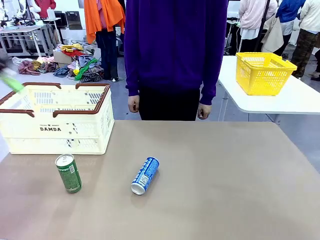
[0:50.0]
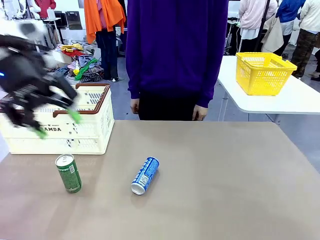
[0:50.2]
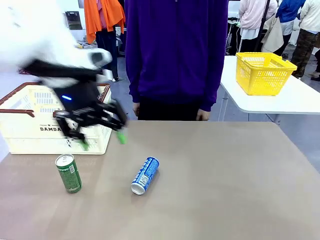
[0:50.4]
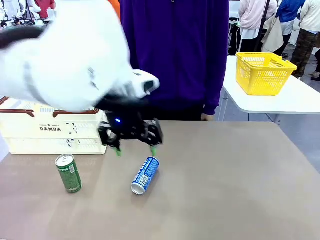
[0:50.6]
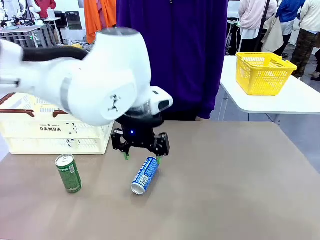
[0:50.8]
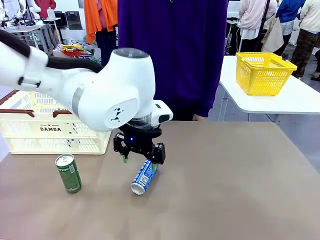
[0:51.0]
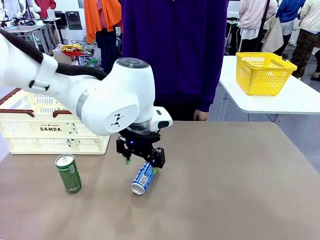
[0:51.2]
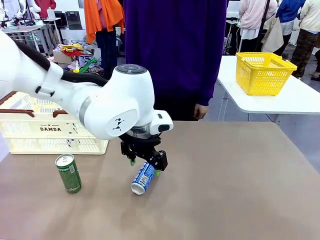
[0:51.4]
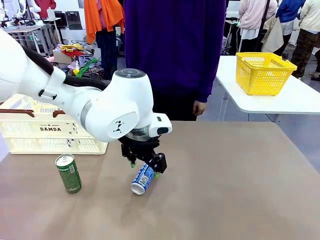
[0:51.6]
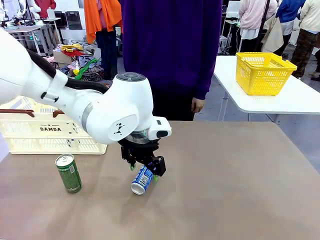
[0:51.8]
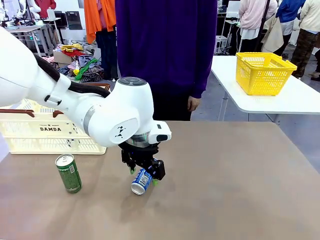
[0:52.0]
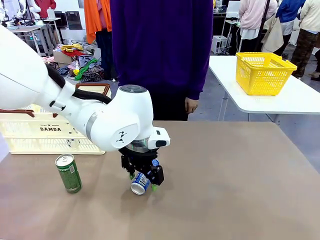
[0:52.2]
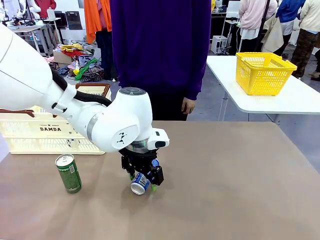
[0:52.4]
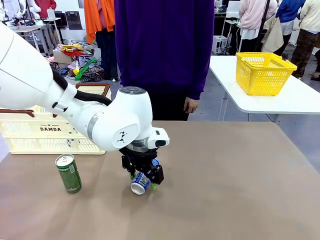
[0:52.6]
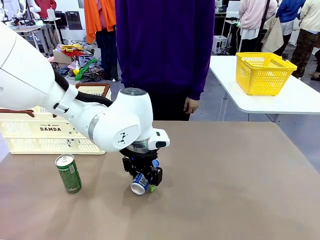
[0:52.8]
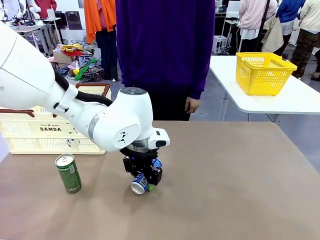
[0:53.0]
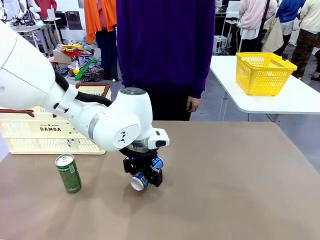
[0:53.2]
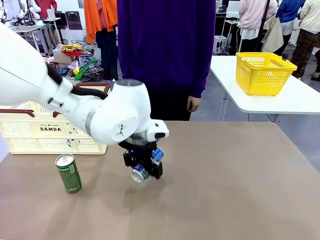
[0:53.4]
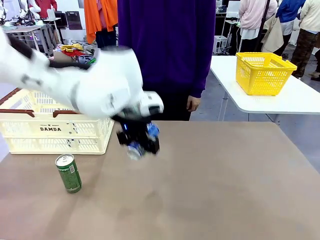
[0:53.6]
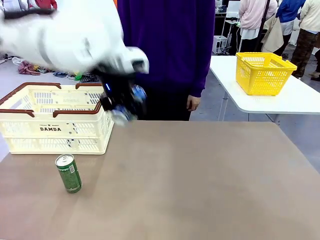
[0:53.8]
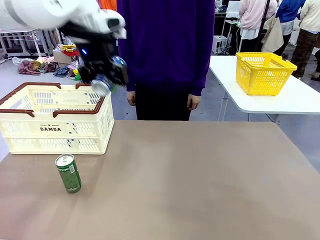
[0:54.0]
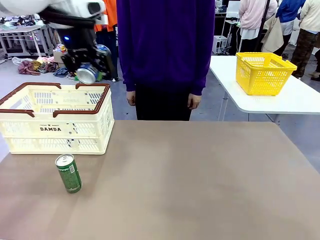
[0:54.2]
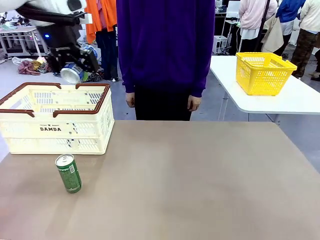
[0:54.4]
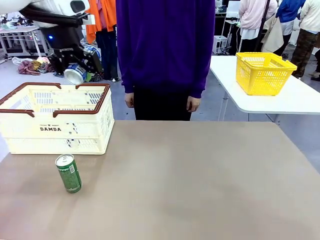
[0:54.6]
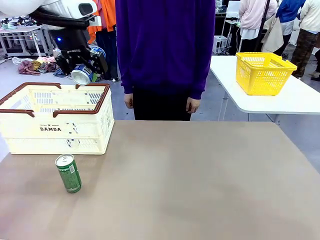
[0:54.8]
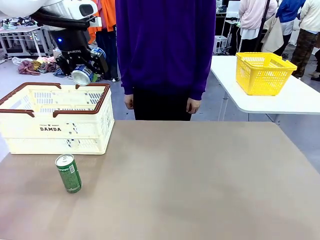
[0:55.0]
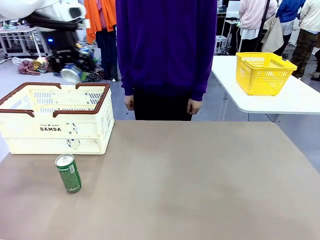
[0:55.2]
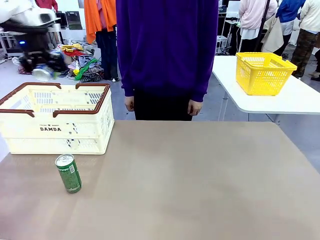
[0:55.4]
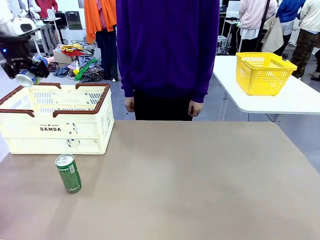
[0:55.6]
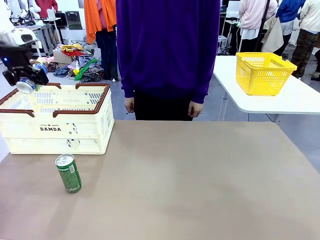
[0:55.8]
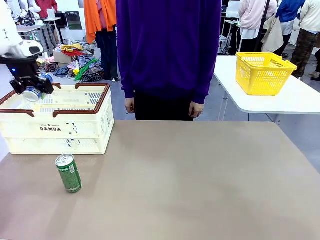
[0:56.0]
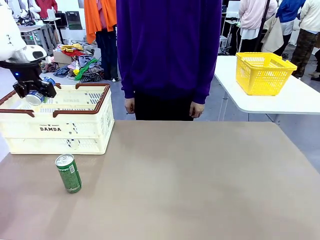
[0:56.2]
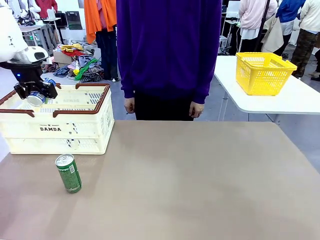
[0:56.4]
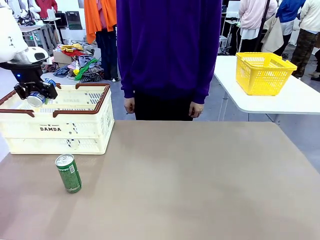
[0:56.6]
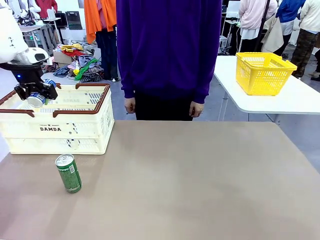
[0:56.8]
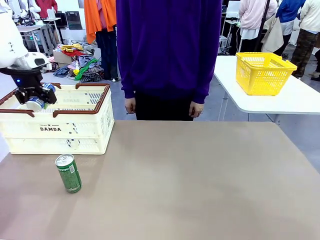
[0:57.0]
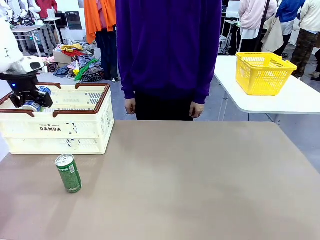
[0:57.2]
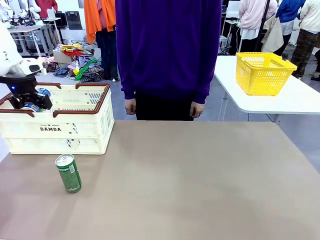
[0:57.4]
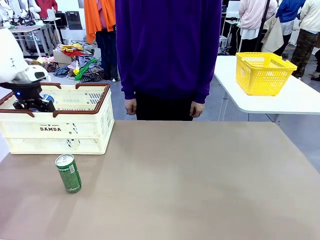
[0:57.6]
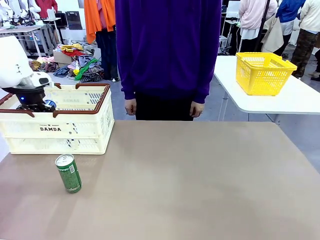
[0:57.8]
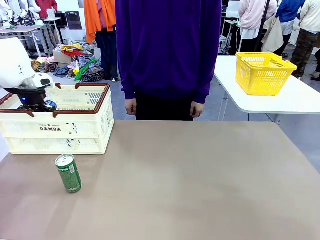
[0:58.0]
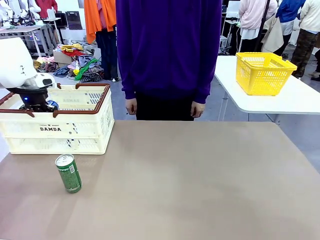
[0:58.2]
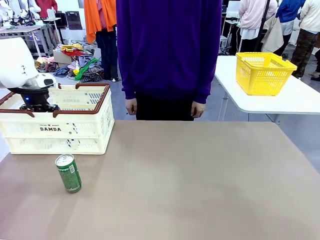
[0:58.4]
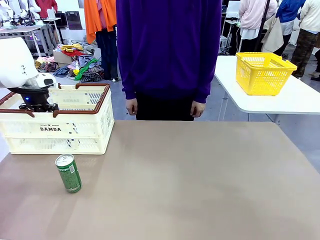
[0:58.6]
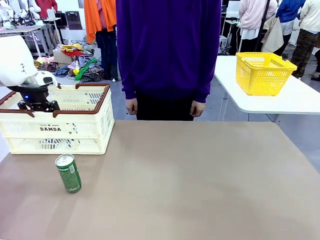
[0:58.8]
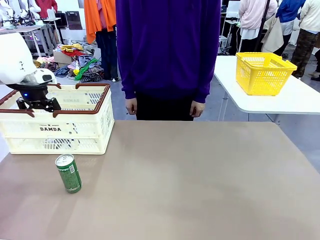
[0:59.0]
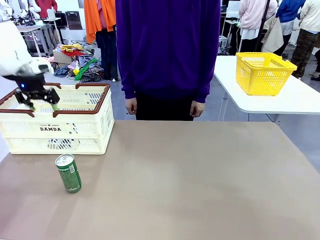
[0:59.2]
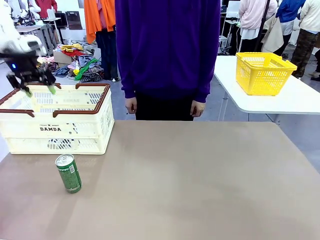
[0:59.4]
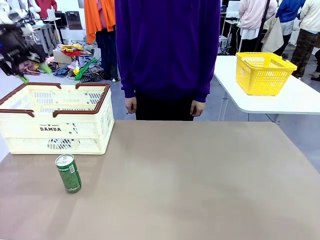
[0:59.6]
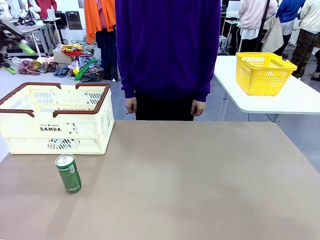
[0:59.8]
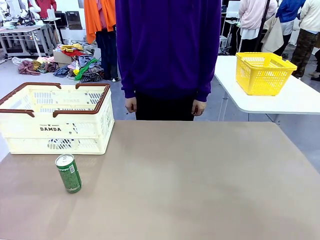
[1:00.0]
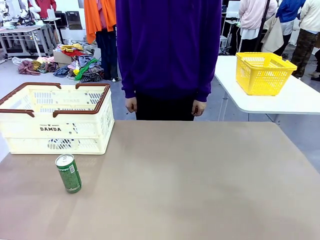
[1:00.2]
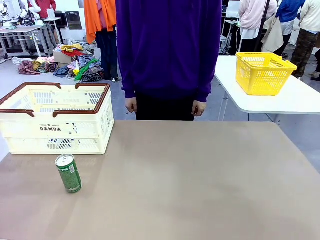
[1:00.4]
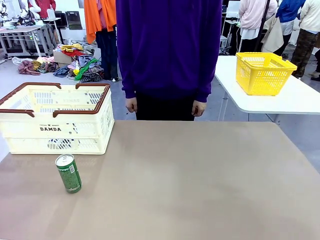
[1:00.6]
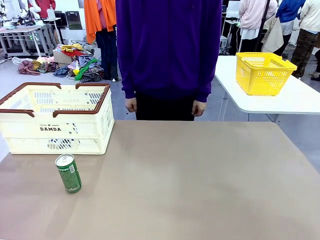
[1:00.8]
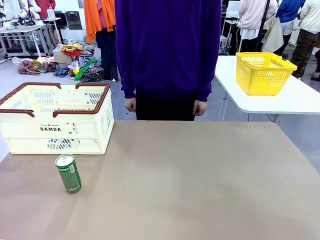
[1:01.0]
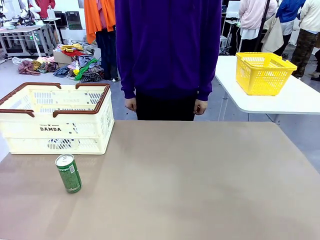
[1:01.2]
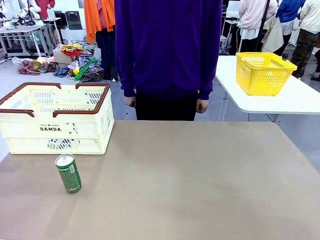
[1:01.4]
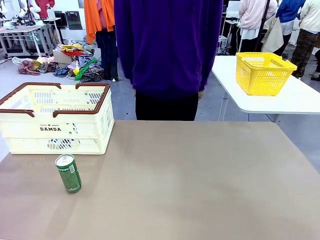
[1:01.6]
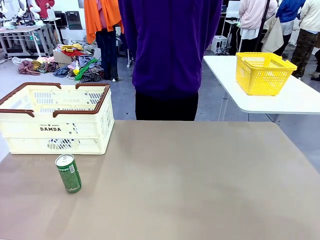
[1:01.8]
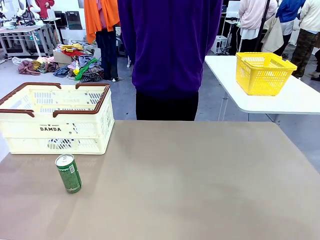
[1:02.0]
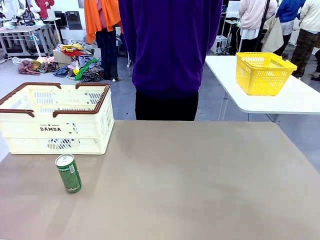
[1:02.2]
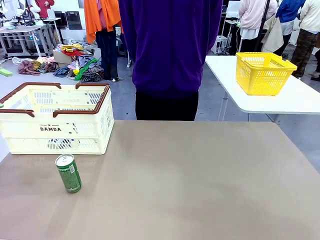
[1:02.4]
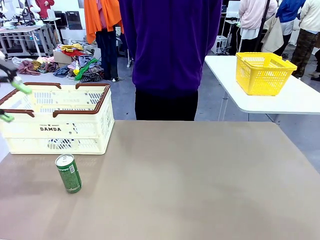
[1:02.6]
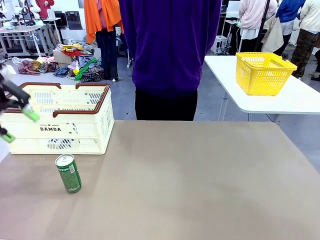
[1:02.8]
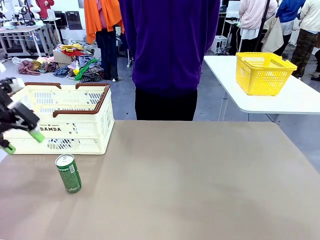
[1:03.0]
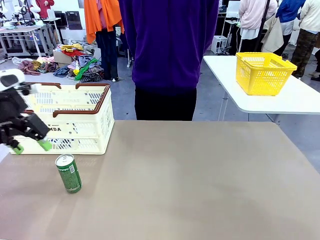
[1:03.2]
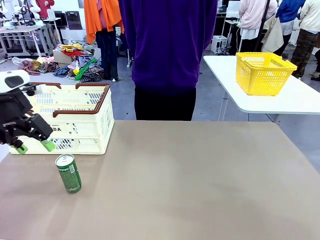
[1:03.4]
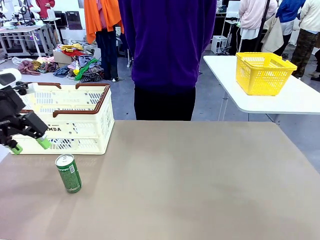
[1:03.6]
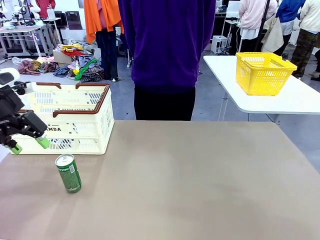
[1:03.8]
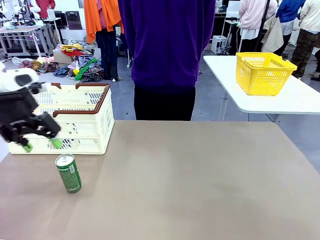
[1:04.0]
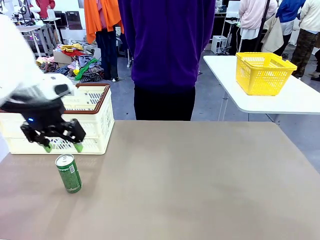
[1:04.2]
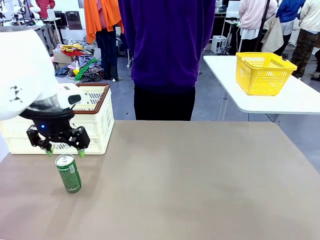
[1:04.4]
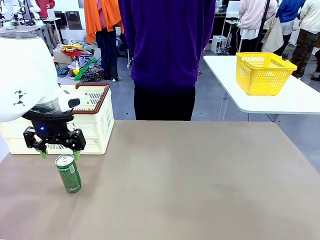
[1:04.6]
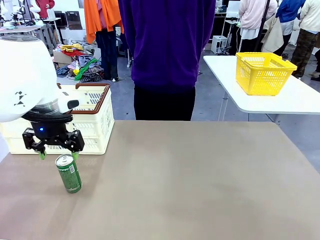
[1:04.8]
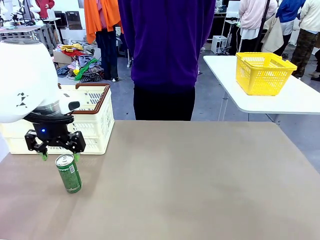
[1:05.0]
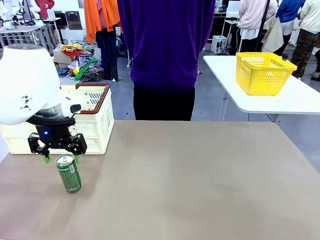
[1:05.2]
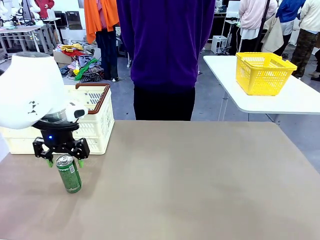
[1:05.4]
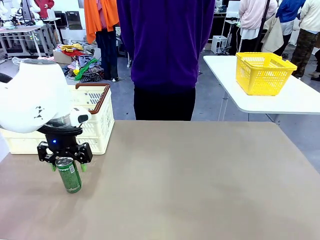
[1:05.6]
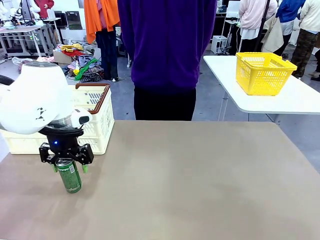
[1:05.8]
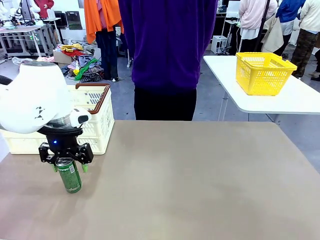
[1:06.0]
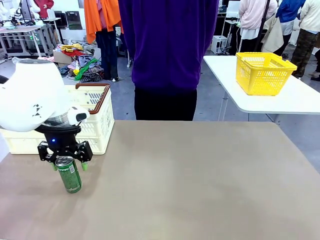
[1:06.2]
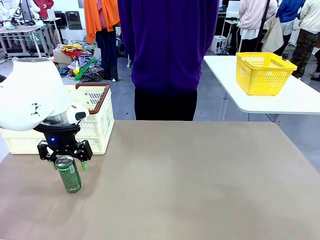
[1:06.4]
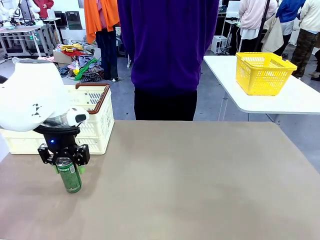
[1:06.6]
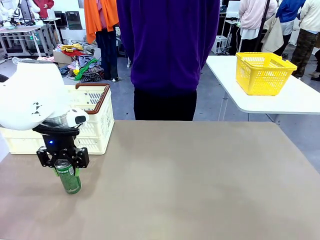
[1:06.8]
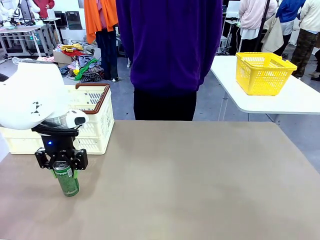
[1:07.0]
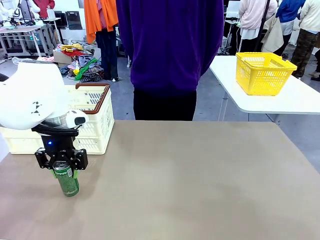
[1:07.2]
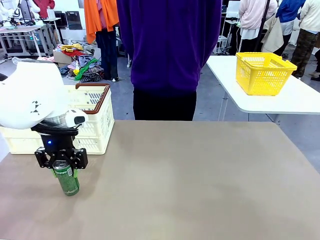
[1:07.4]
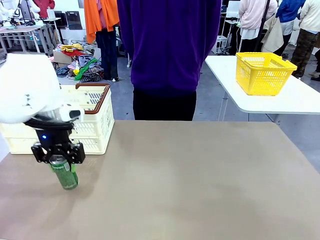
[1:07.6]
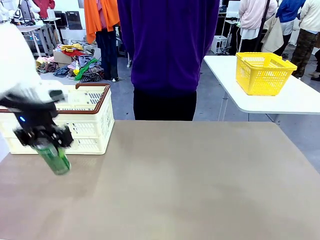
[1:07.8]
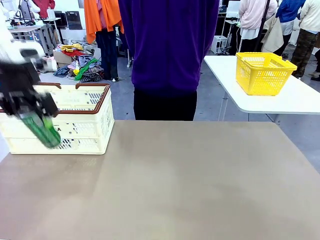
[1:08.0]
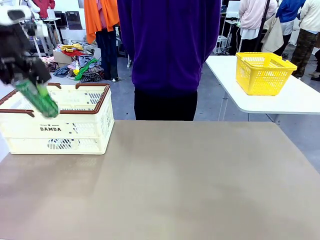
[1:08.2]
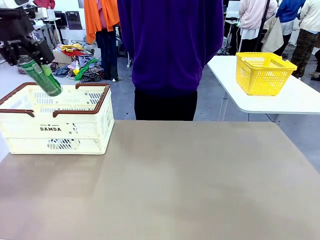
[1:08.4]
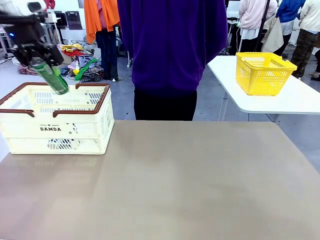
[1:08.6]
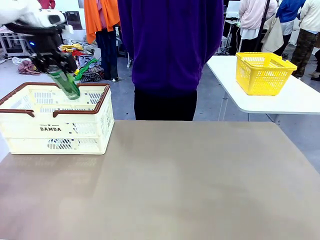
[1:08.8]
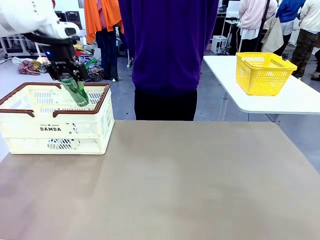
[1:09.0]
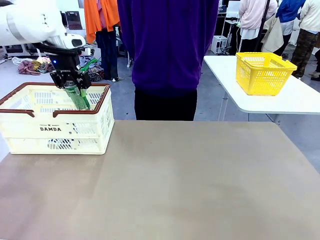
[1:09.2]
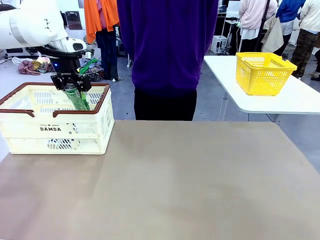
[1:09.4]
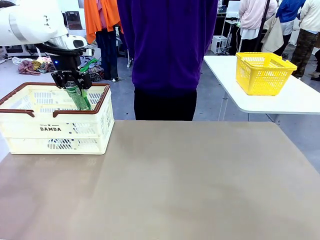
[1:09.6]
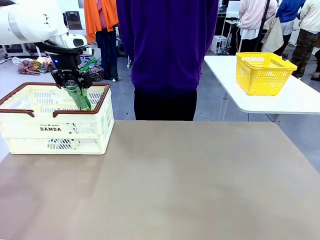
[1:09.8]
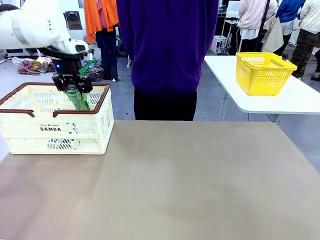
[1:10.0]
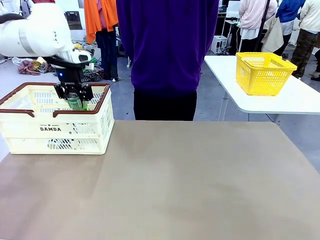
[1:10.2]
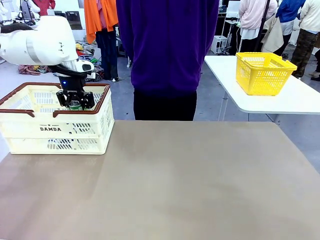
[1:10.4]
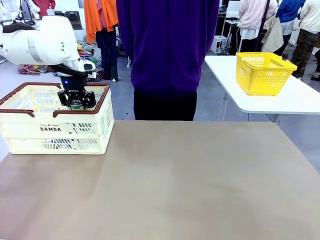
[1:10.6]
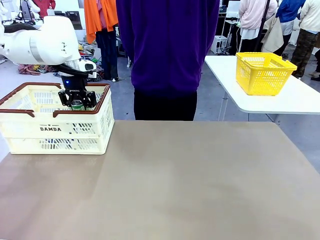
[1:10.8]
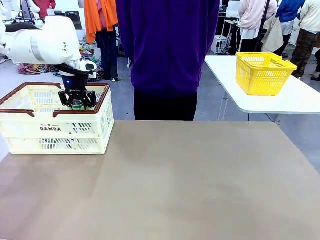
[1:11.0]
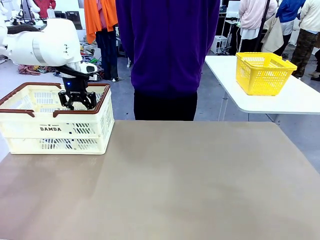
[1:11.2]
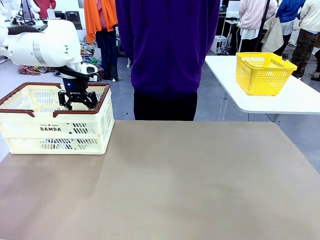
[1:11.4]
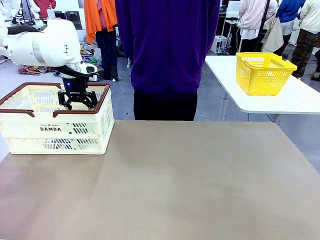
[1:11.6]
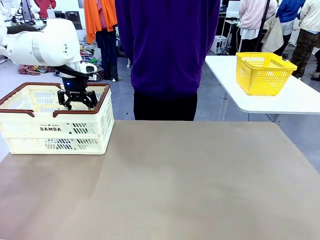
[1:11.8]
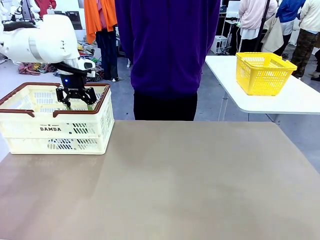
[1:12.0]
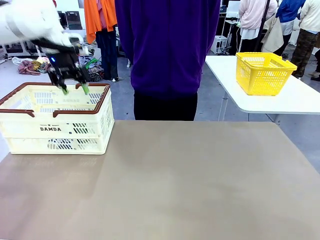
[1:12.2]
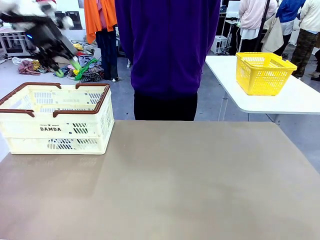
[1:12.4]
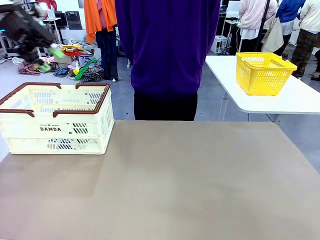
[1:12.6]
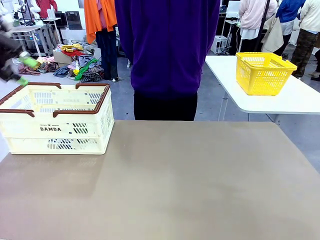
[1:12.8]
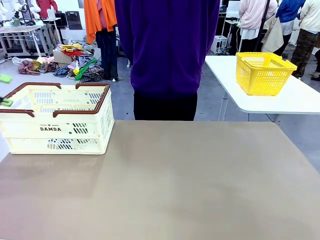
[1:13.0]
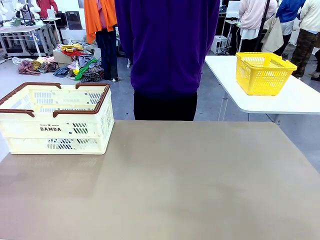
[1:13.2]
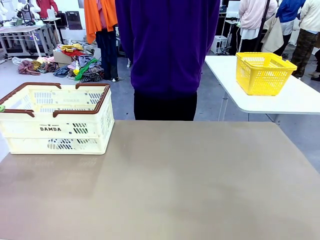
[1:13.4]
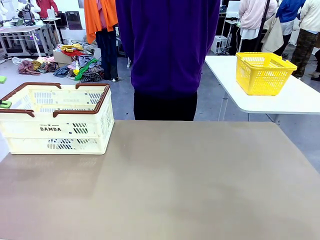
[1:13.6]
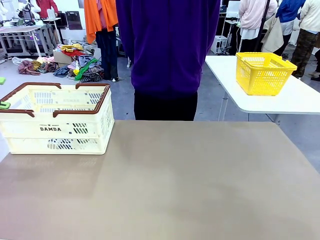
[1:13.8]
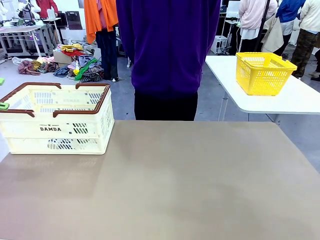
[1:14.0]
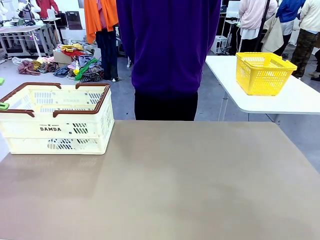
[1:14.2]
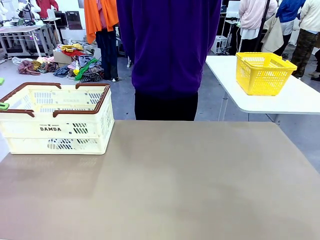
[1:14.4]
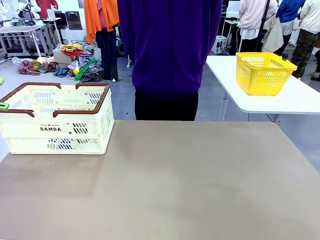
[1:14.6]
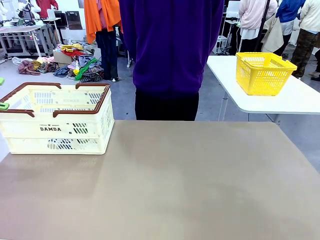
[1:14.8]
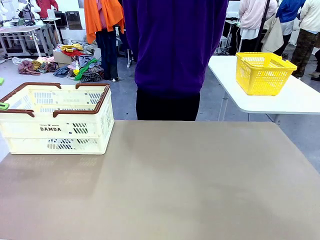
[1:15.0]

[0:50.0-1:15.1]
Task: Place the drinks into the Shopping basket.
Robot: Pick up one drink and place it into the Shopping basket.
